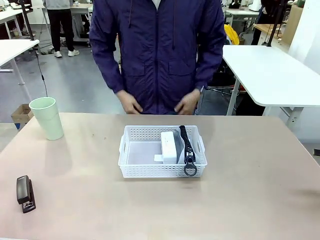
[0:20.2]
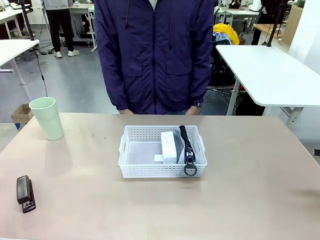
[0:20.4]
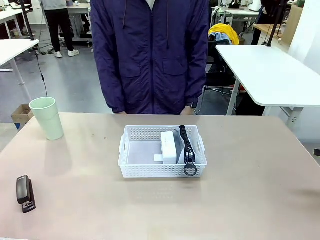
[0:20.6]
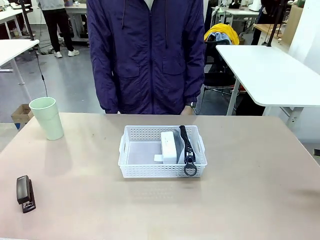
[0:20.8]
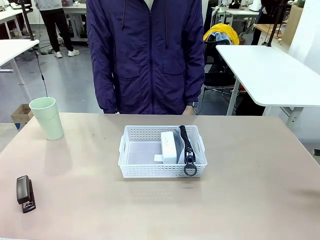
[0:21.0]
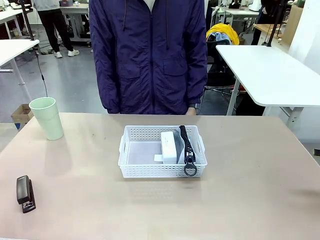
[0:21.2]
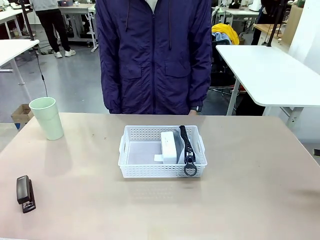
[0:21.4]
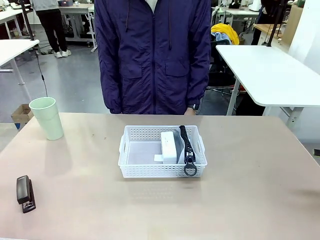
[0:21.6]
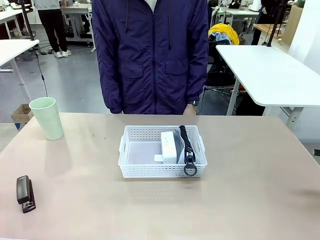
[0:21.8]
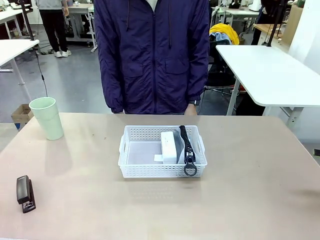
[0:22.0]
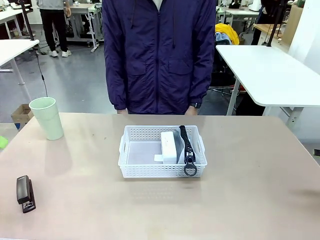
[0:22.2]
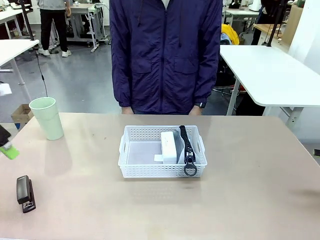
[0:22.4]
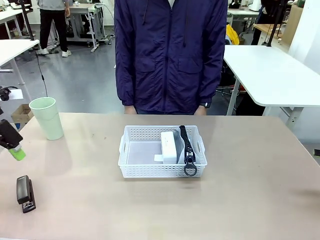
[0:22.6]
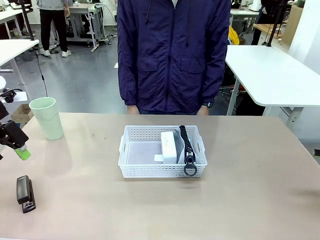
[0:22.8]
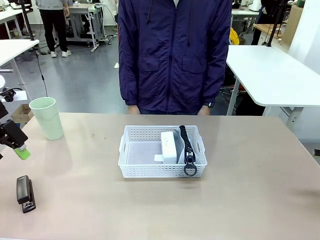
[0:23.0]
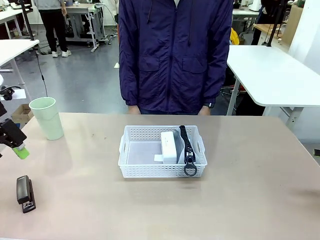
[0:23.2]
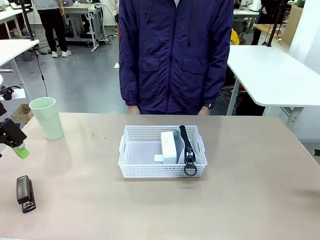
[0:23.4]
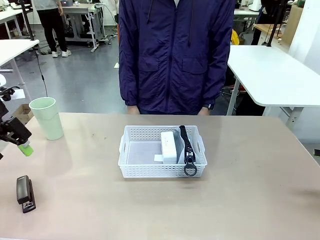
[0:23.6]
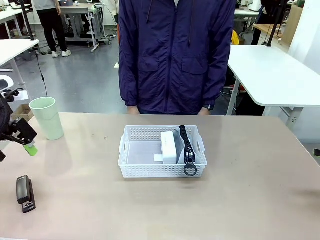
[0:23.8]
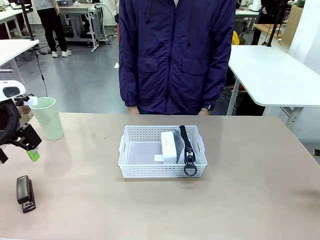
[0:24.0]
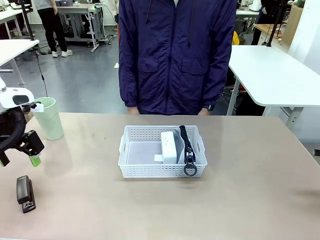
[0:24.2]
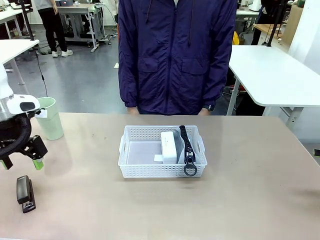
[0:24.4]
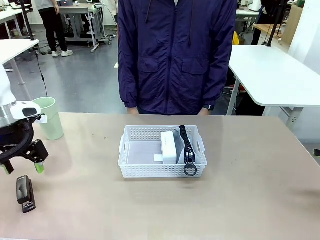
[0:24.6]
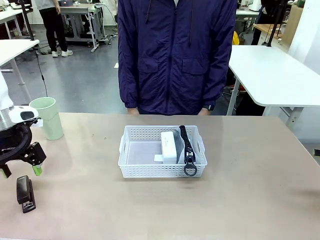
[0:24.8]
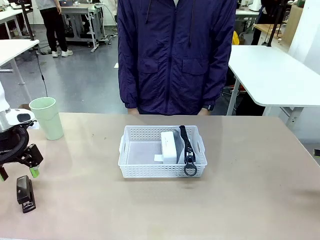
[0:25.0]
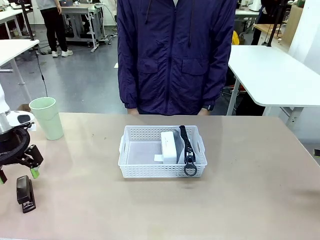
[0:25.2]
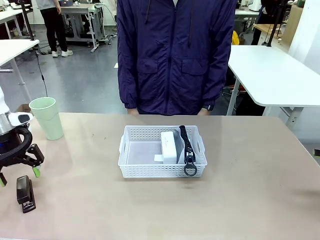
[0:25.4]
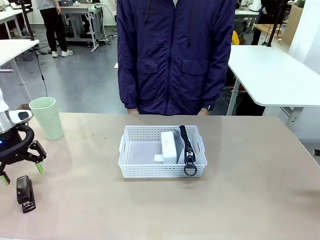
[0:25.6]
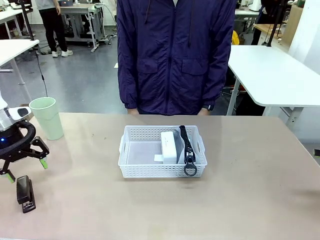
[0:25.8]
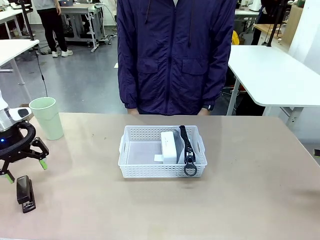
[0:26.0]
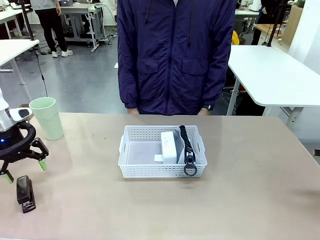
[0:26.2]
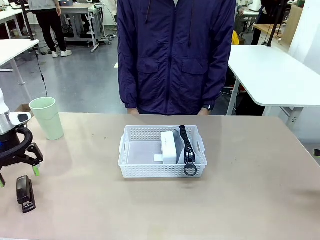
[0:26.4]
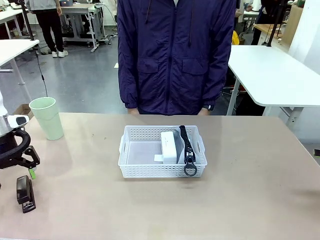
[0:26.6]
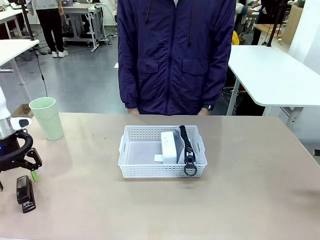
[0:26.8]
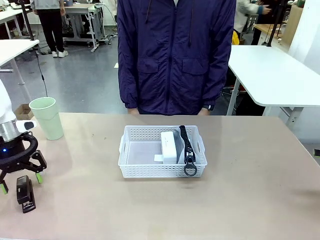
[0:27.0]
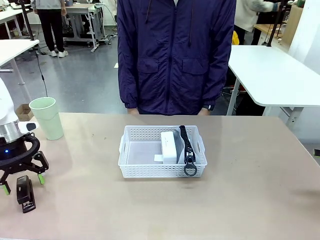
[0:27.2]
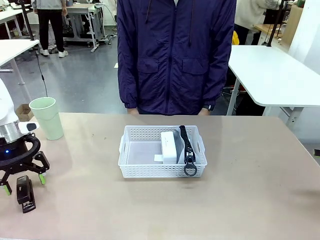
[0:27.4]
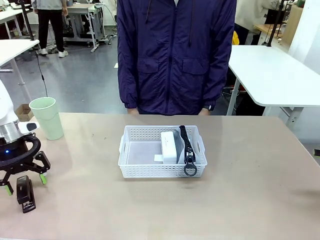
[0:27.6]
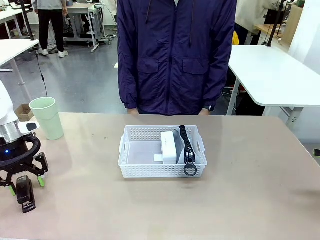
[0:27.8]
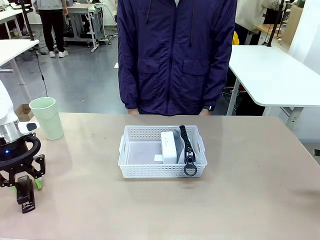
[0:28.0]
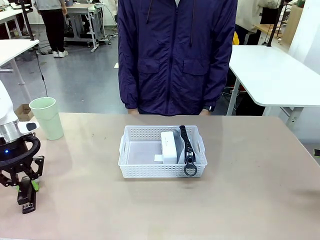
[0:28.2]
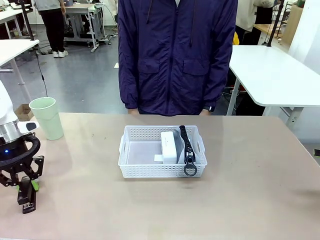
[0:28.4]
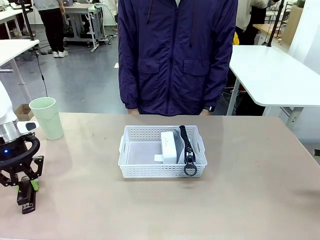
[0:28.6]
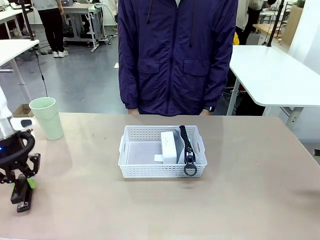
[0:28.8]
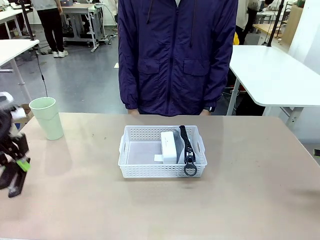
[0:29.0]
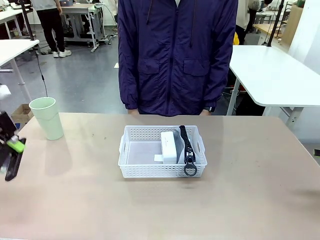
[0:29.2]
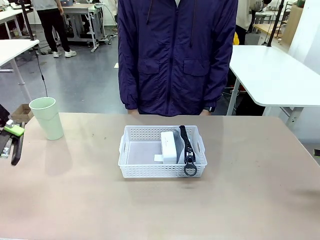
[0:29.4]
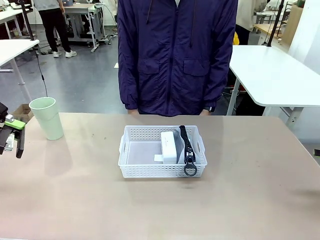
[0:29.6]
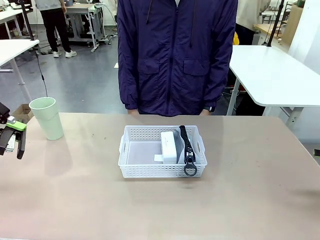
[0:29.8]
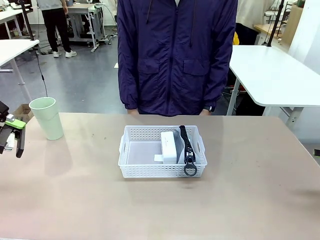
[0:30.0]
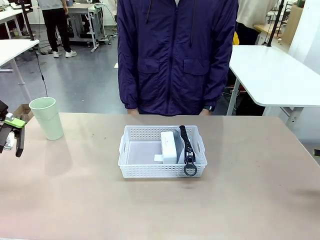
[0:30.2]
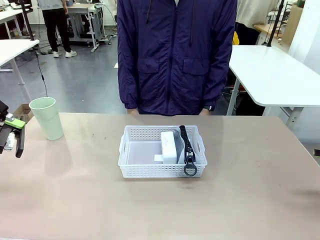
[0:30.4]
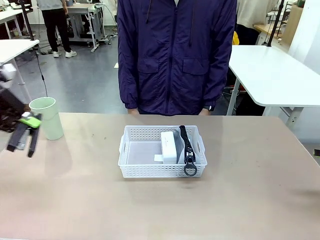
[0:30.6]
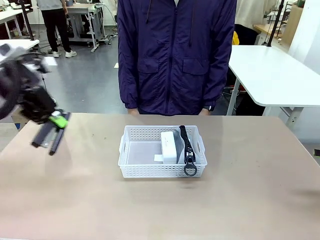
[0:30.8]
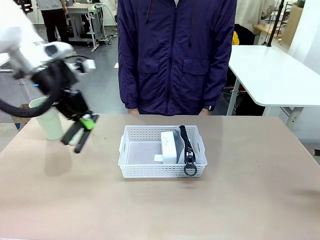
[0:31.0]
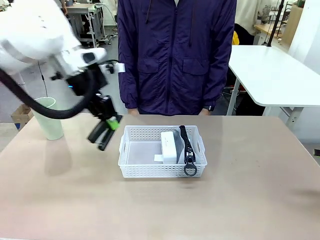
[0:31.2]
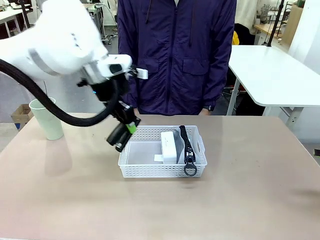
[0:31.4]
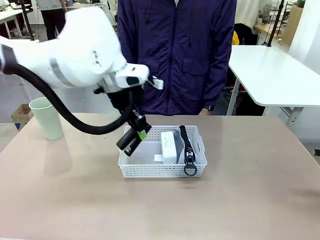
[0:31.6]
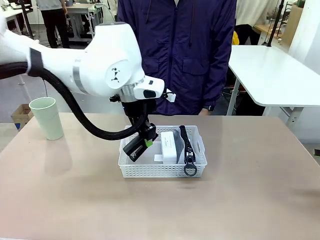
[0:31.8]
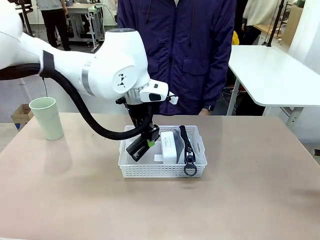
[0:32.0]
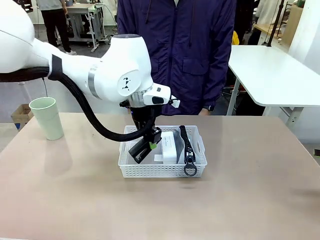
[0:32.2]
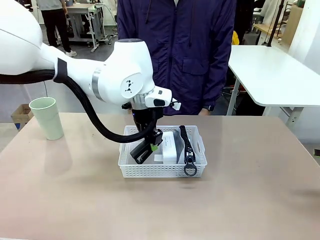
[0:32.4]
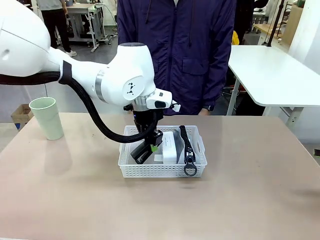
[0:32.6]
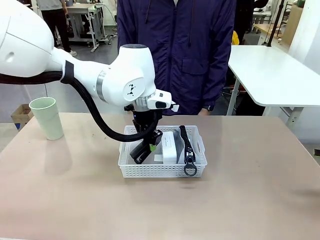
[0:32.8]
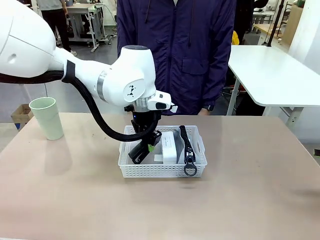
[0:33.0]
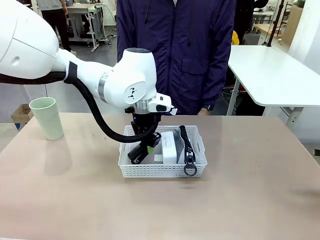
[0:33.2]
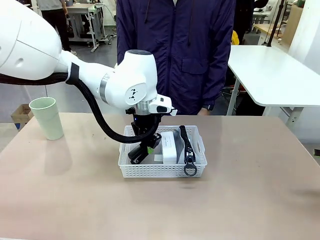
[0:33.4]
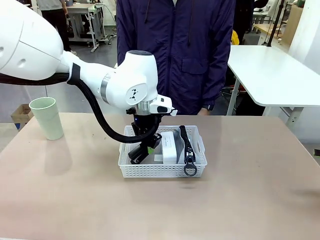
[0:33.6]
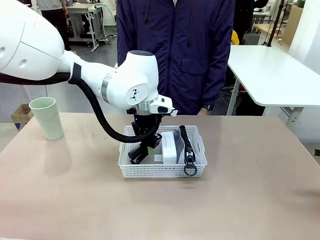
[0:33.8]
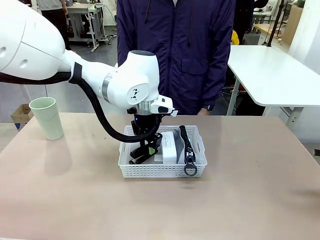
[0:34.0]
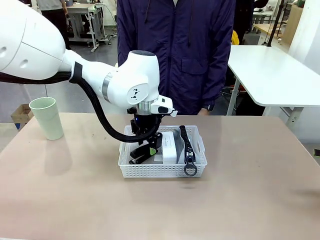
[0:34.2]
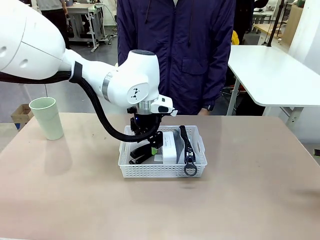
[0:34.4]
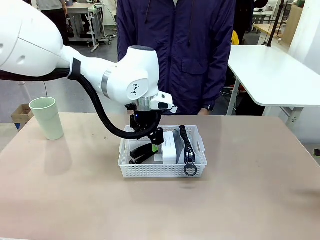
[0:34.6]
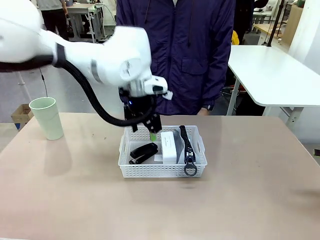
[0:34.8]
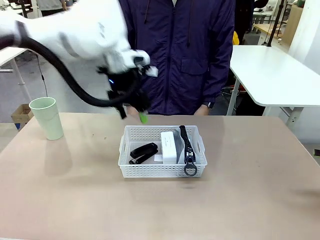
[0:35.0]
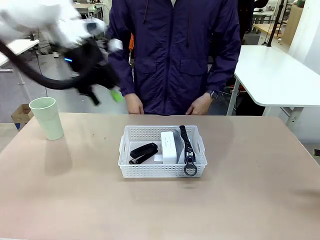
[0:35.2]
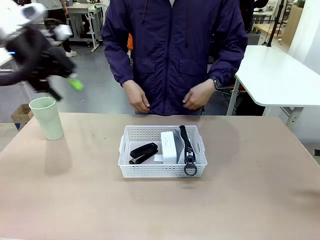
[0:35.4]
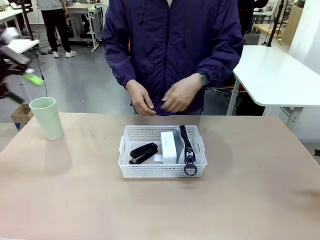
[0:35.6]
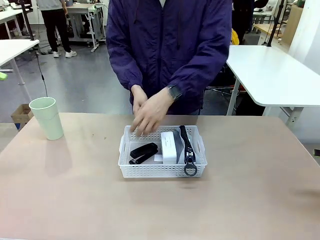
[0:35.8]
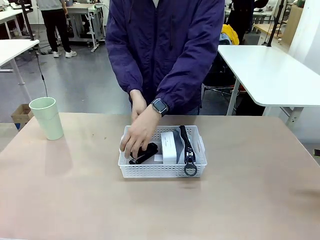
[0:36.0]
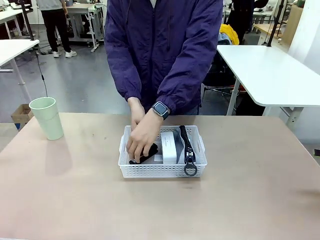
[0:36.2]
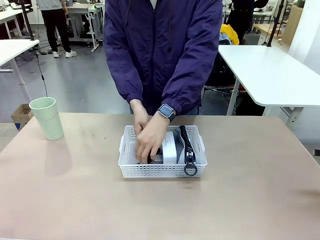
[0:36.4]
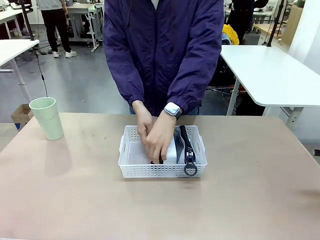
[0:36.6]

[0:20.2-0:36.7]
Task: Efficiently arrange items inside the basket to fit them all.
Robot: Pick up the Stapler and place it inside the Organizing basket.
